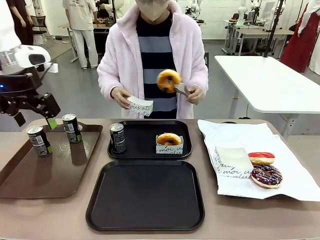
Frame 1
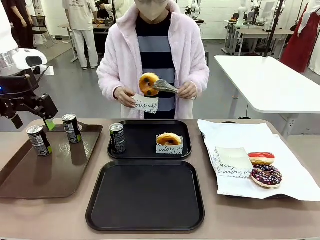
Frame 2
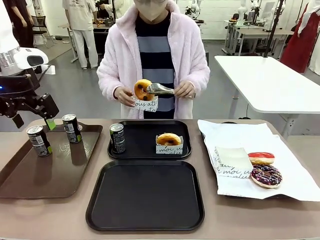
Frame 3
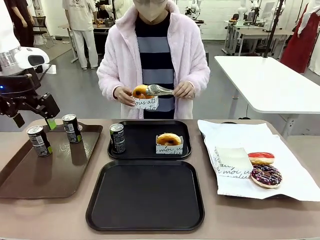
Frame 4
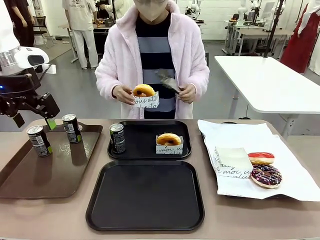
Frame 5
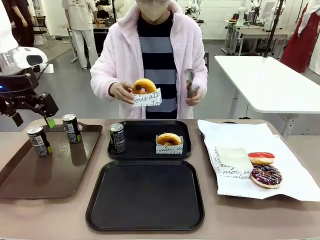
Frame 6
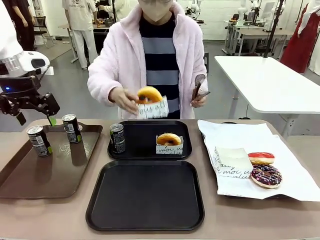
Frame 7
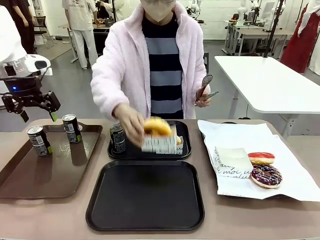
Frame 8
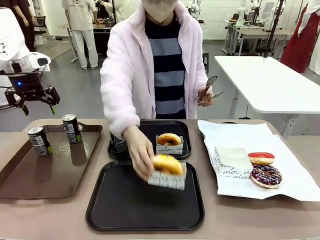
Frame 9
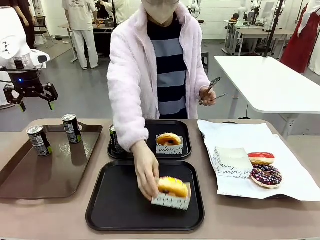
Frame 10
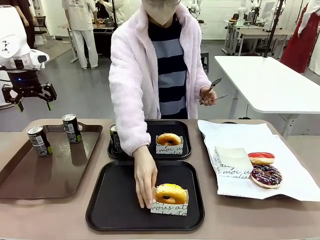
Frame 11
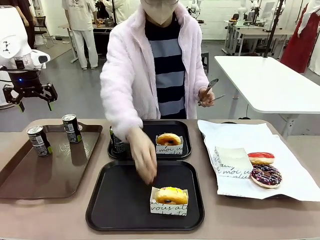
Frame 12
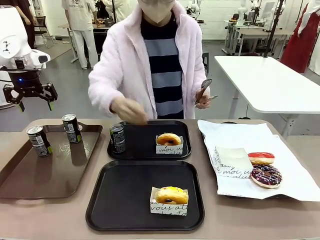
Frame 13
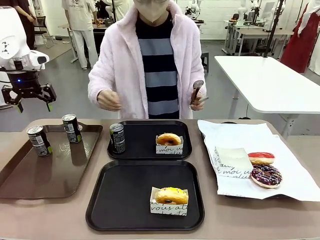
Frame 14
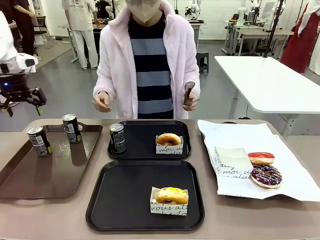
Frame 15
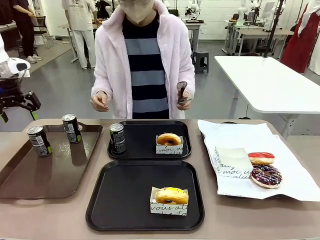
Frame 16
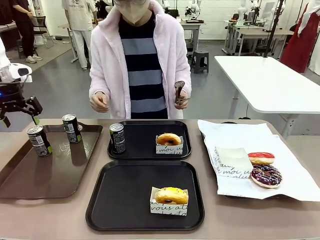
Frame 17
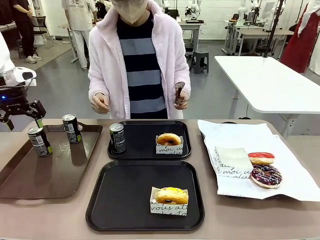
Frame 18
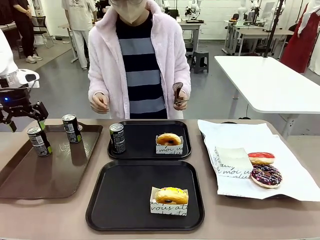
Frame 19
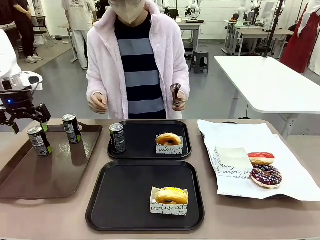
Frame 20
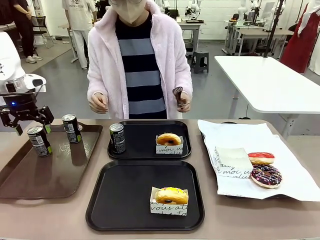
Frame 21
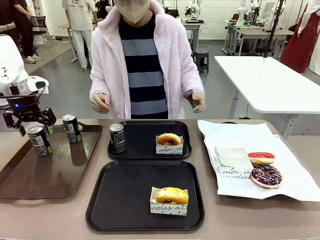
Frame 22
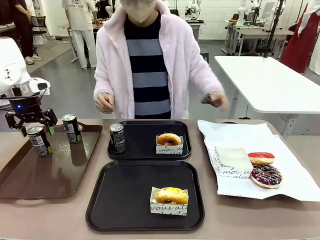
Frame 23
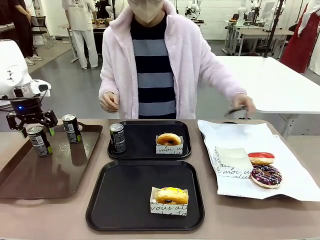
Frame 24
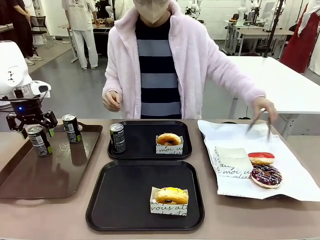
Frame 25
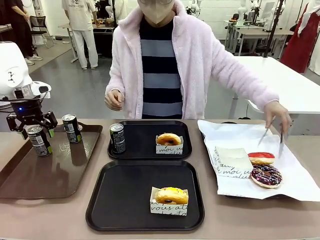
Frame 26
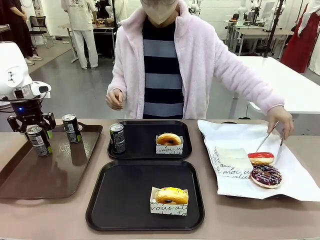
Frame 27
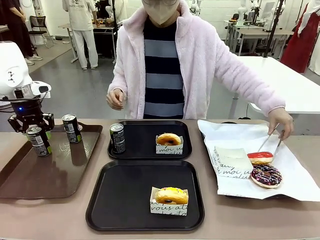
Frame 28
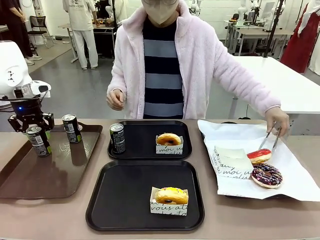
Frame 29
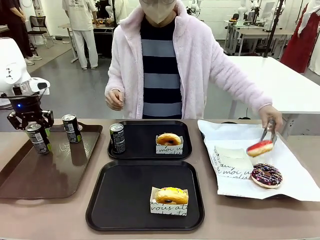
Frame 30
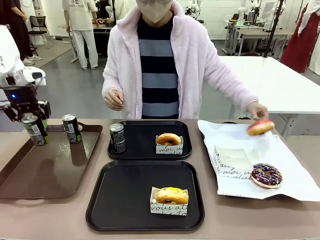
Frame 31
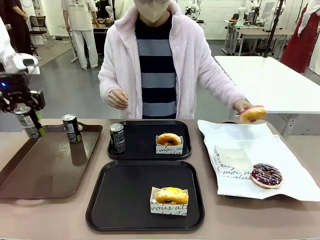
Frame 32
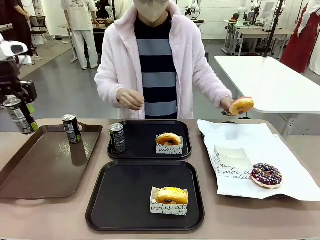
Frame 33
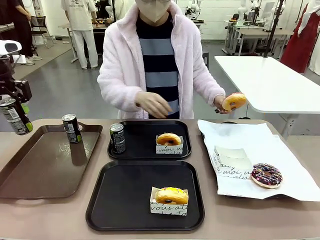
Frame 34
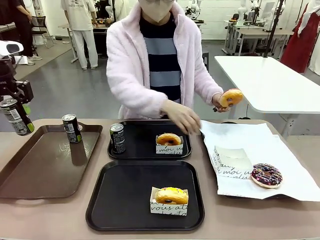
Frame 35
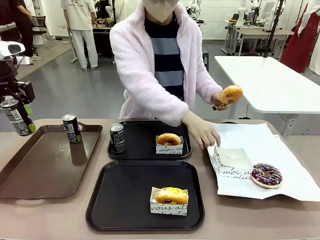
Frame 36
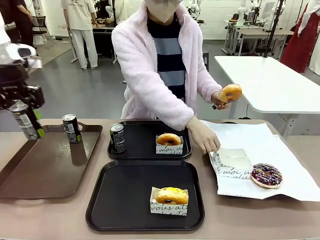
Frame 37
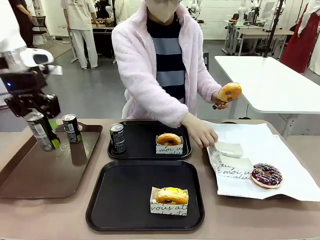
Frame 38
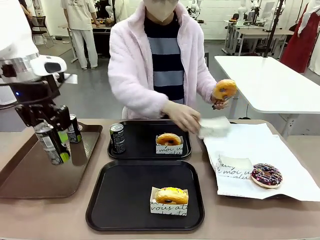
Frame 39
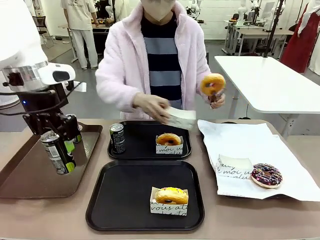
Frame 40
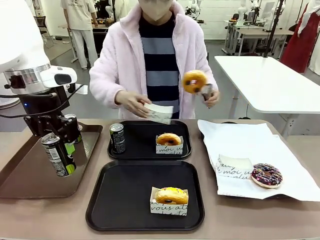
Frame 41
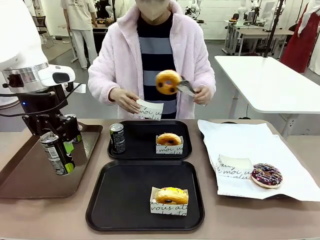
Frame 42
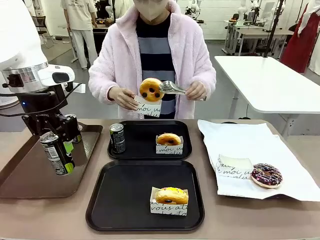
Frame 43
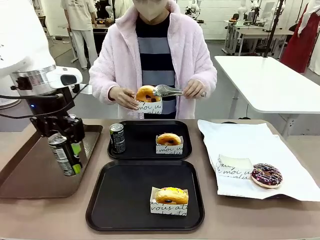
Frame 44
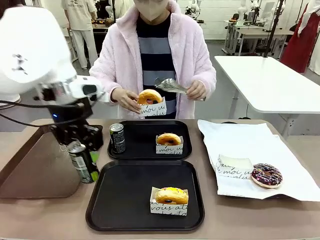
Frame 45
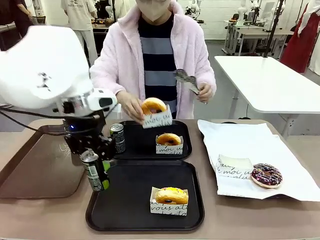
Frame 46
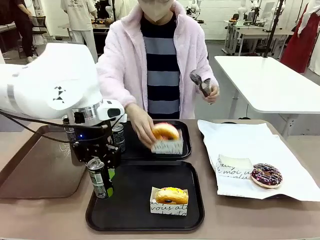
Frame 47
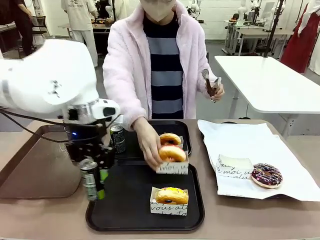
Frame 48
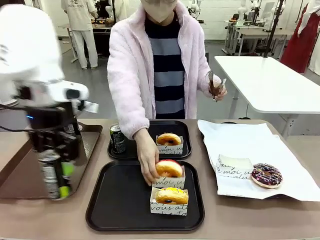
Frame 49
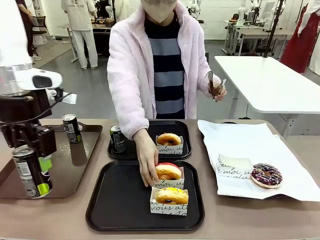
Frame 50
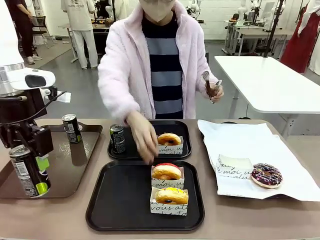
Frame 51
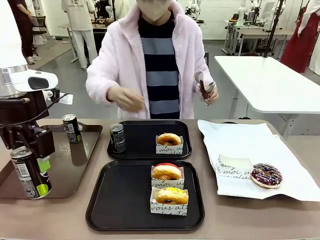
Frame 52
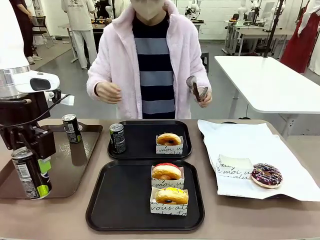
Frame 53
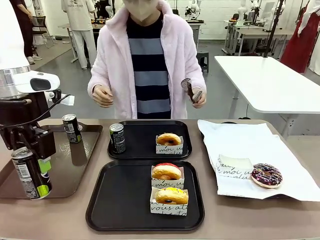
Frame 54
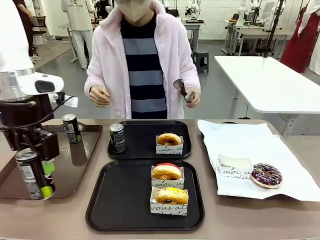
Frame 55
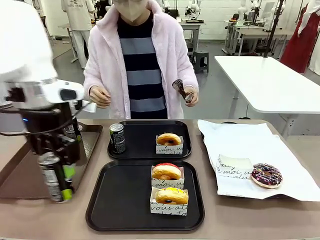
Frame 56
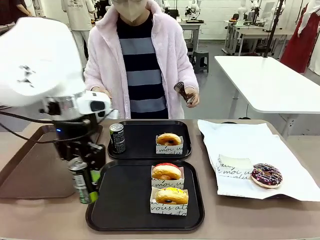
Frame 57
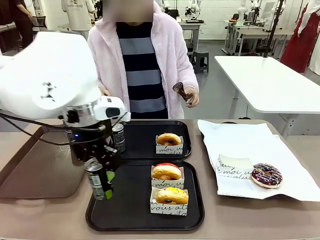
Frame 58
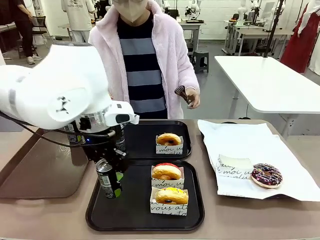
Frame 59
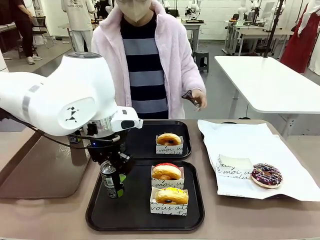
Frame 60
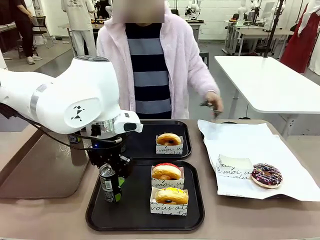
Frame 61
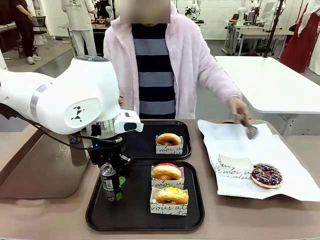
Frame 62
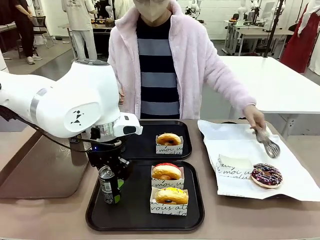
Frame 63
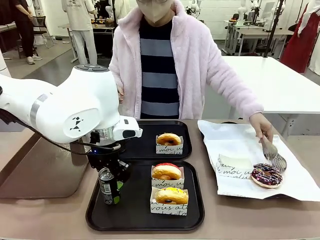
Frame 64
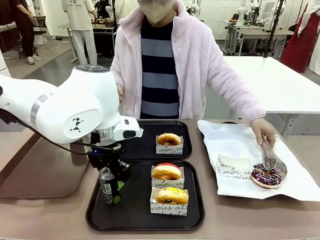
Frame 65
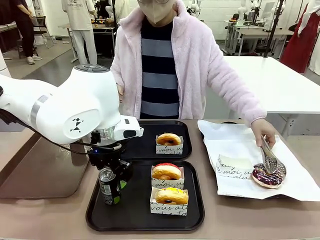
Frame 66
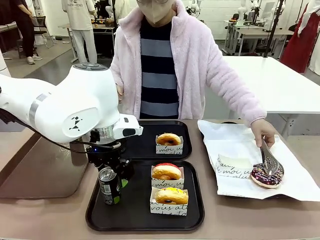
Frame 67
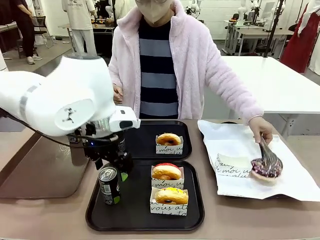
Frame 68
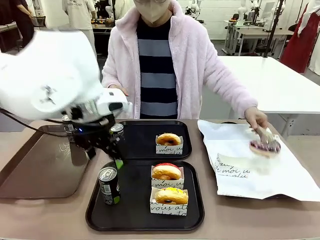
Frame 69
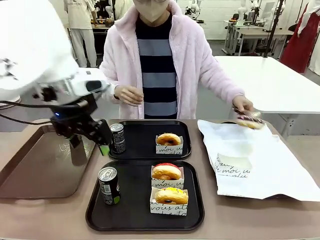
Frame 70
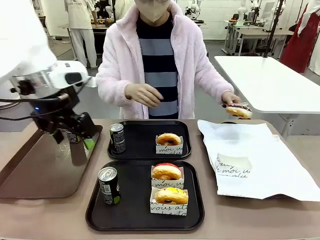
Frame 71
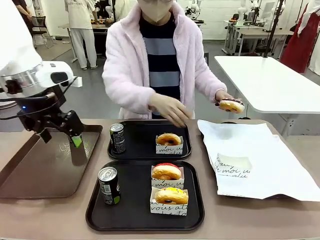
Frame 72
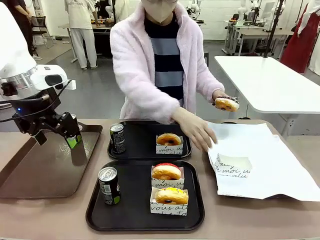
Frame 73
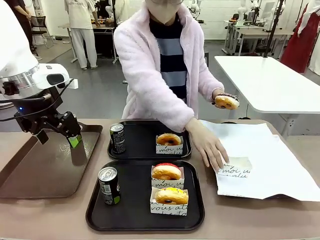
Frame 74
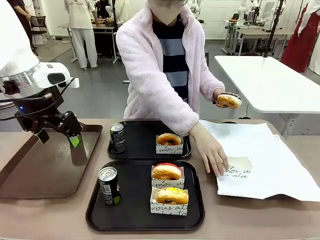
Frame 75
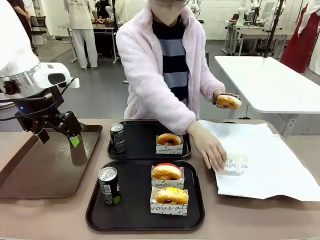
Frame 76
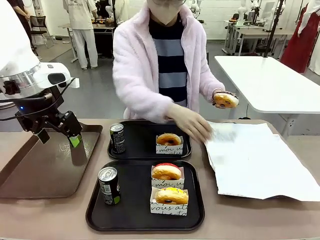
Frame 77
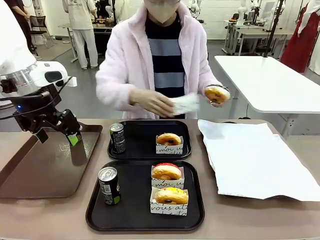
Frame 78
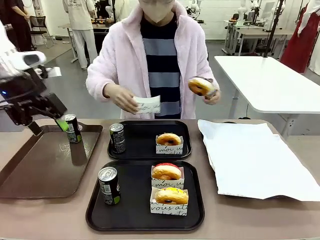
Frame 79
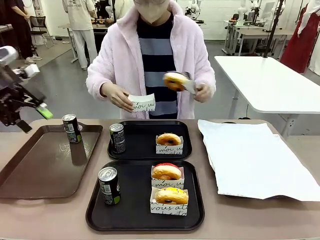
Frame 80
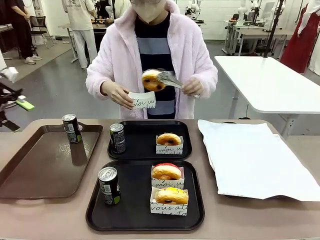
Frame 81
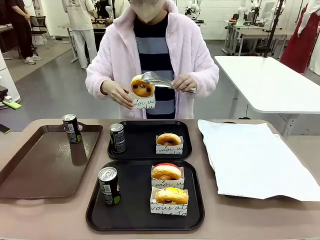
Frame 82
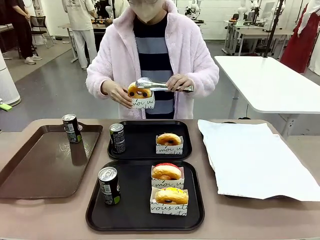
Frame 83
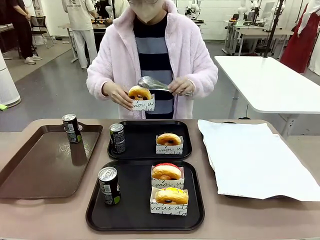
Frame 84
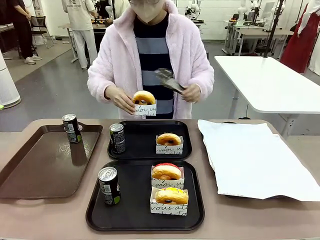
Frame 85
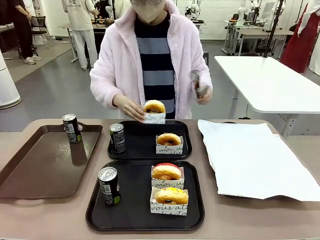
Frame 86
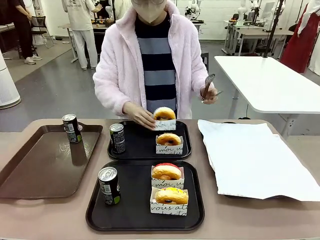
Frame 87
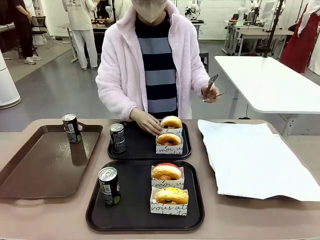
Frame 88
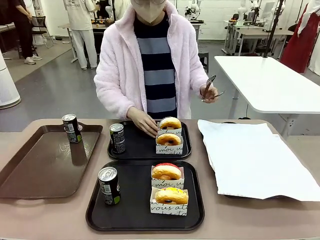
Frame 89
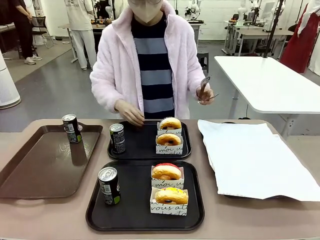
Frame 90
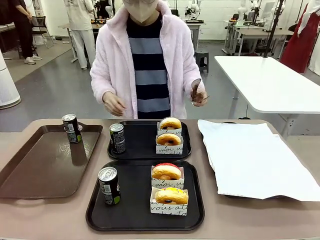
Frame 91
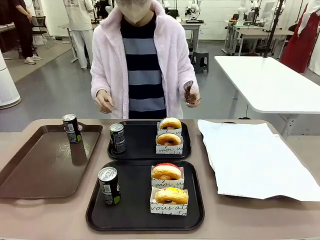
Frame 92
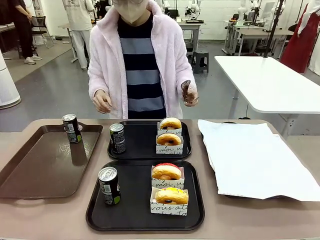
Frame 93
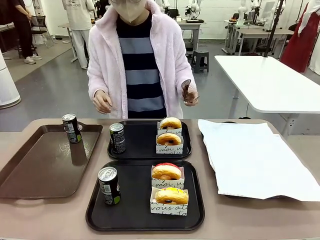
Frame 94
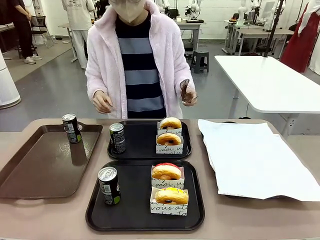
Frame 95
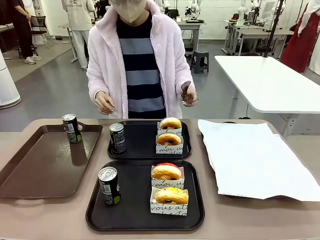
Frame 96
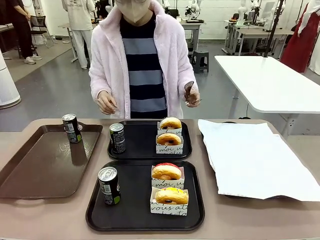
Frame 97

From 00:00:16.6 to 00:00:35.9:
Task: Set up donuts and drinks on trays.
Robot: Pick up one Pepsi coke from the Handle tray and place it on the Flat Tray without a Pepsi coke.
Person: Pick up one donut with tongs, place it in the donut tray, and then place the donut tray on the flat tray.

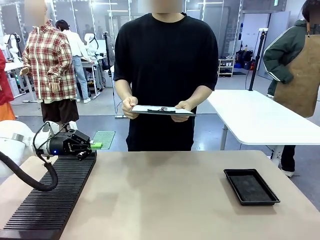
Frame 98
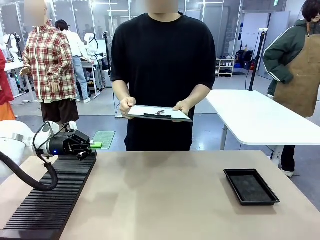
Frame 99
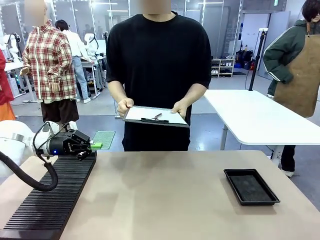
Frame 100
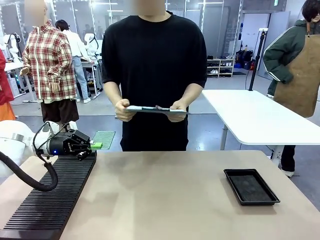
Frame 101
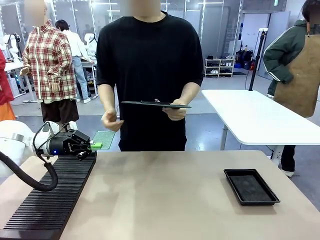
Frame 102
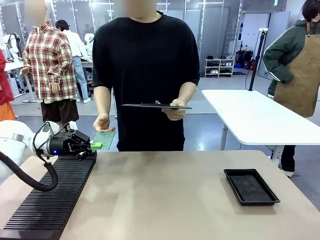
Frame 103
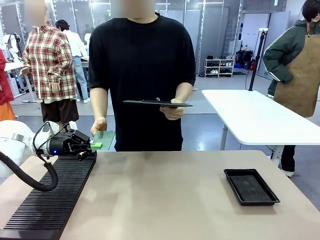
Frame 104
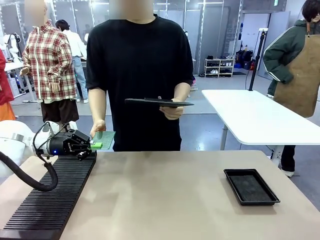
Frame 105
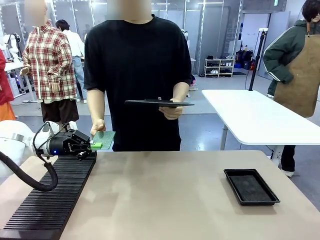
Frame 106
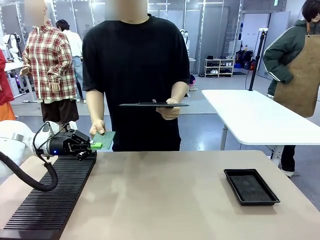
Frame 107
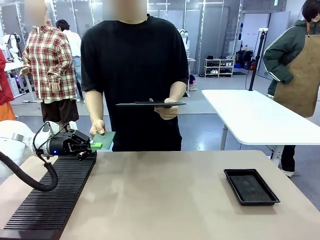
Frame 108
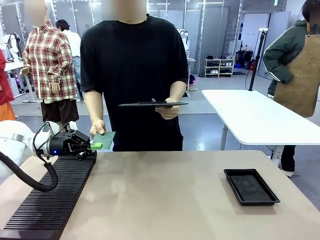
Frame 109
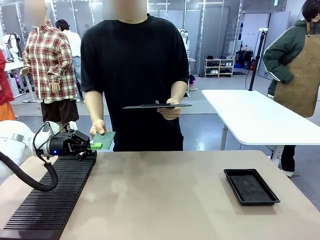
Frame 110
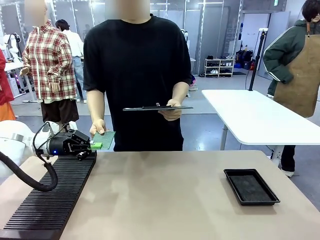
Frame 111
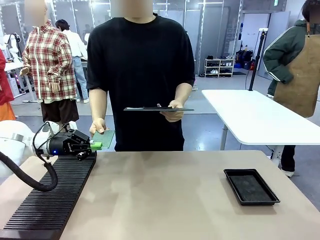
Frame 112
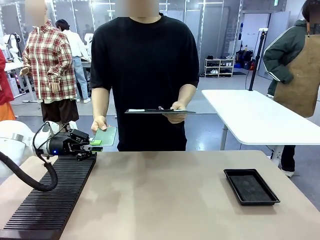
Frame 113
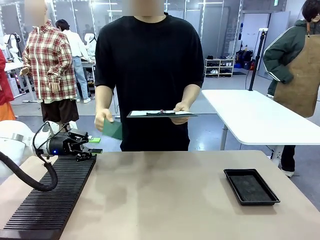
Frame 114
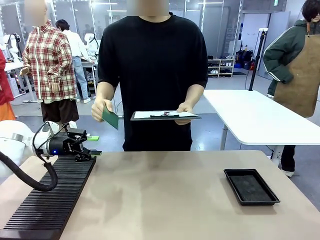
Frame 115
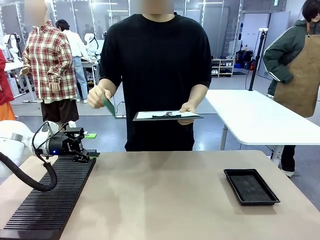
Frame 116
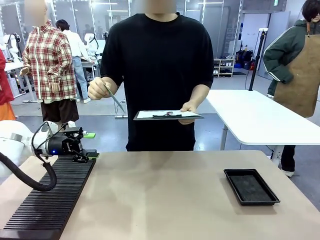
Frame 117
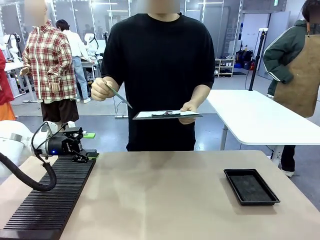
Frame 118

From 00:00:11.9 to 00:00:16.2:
Task: Inspect the PCB.
Robot: Release the Blank PCB you were holding.
